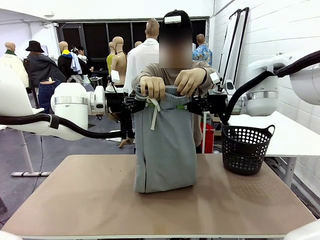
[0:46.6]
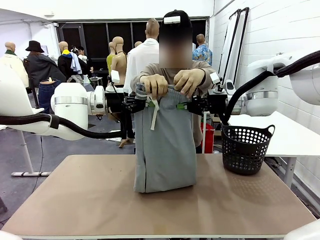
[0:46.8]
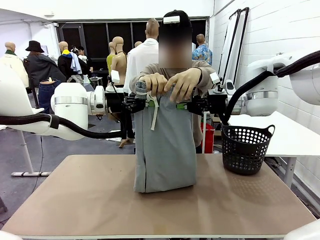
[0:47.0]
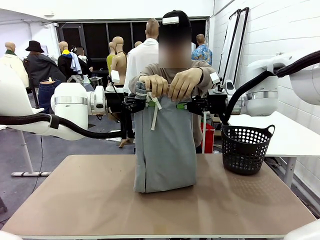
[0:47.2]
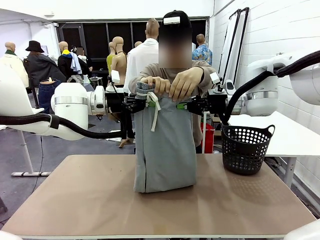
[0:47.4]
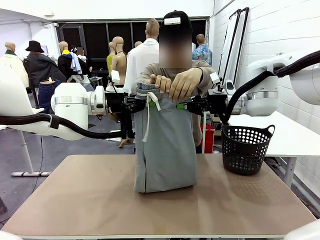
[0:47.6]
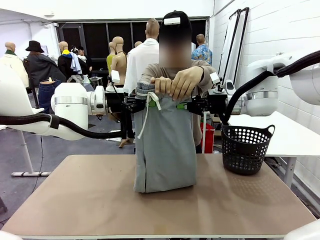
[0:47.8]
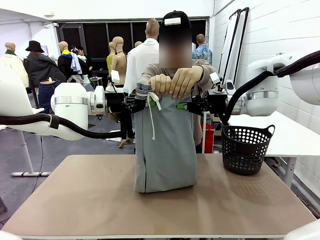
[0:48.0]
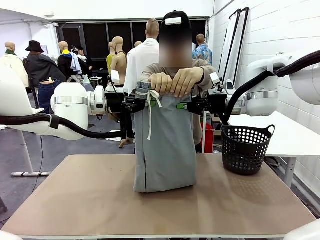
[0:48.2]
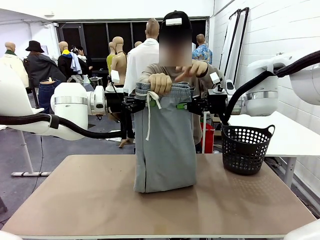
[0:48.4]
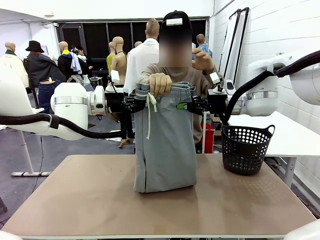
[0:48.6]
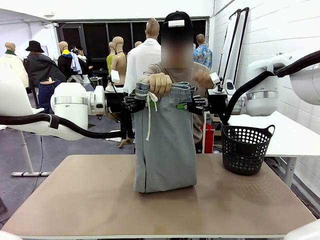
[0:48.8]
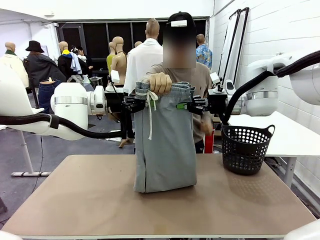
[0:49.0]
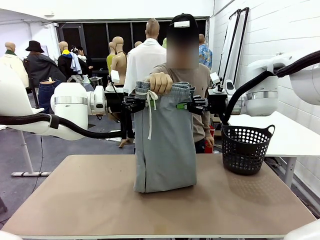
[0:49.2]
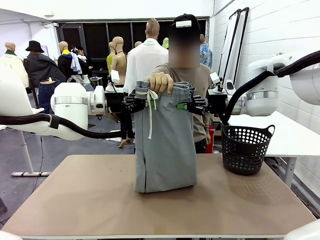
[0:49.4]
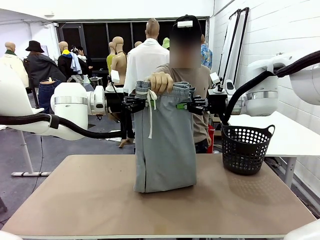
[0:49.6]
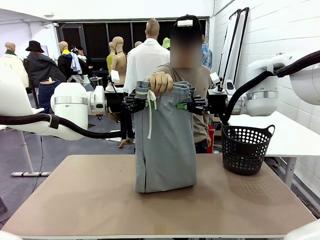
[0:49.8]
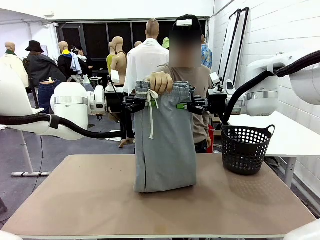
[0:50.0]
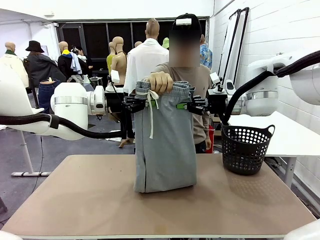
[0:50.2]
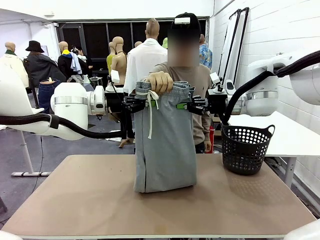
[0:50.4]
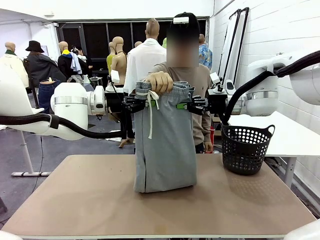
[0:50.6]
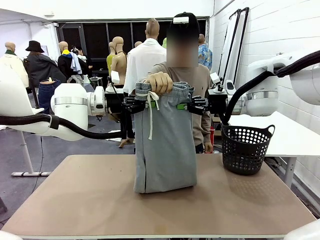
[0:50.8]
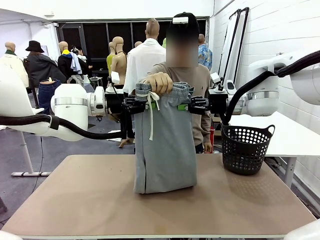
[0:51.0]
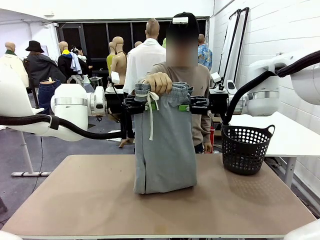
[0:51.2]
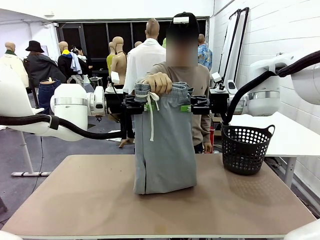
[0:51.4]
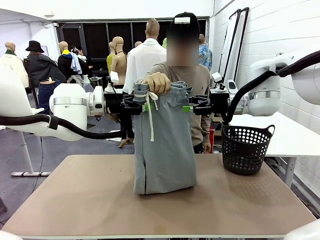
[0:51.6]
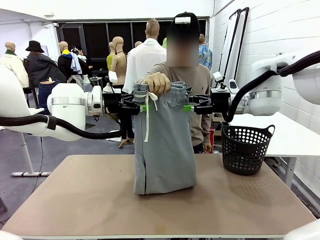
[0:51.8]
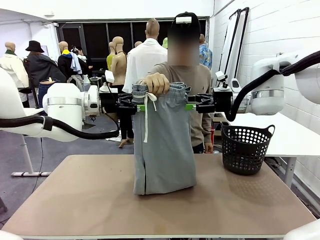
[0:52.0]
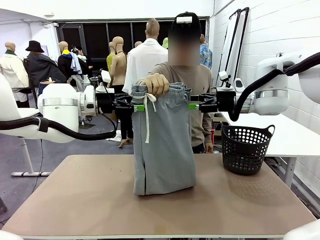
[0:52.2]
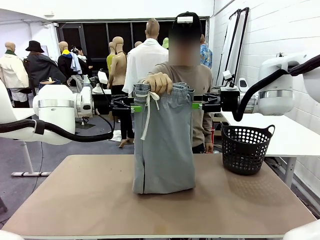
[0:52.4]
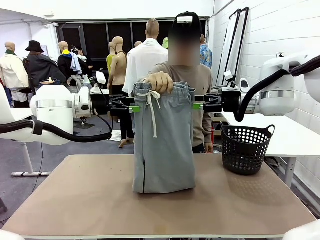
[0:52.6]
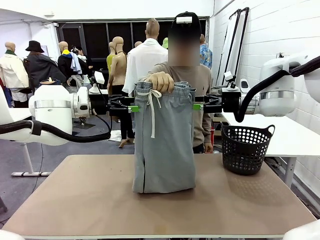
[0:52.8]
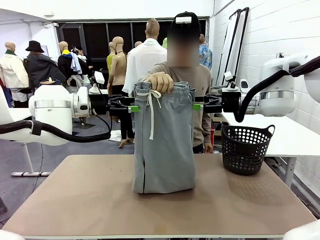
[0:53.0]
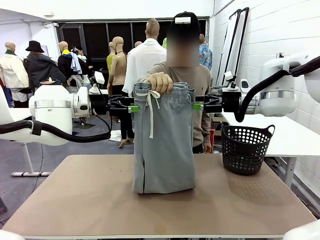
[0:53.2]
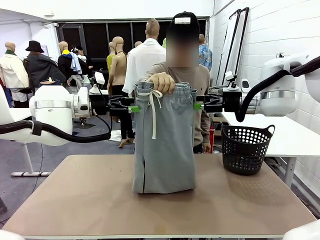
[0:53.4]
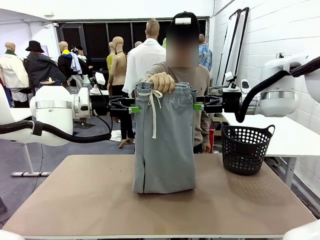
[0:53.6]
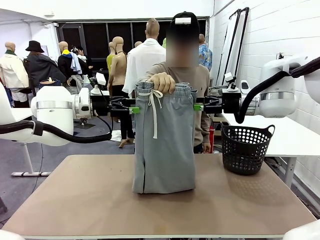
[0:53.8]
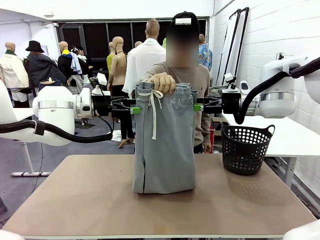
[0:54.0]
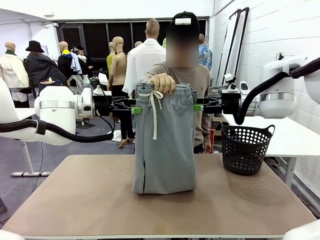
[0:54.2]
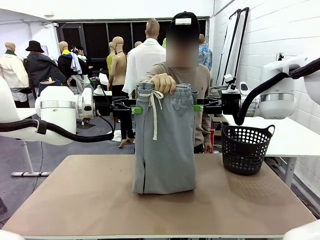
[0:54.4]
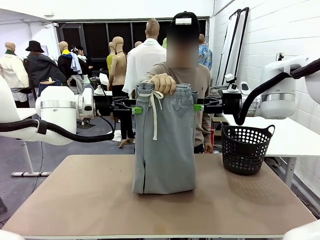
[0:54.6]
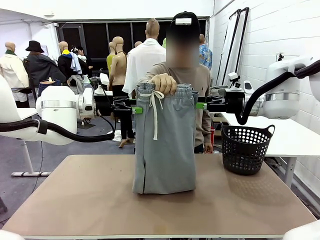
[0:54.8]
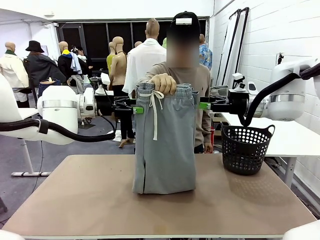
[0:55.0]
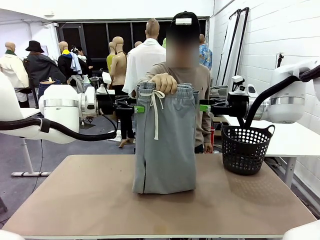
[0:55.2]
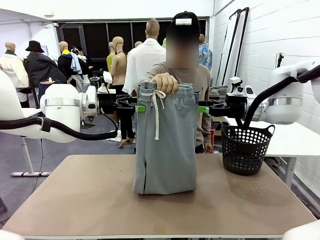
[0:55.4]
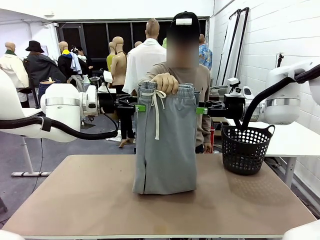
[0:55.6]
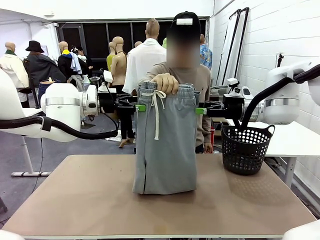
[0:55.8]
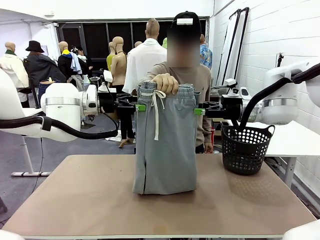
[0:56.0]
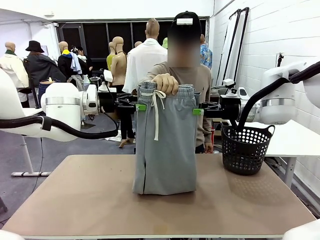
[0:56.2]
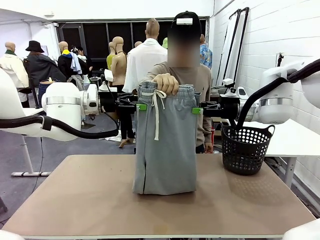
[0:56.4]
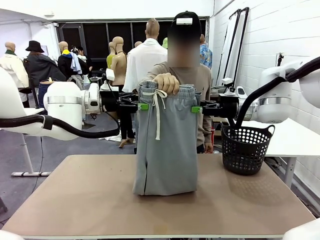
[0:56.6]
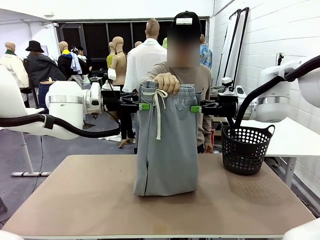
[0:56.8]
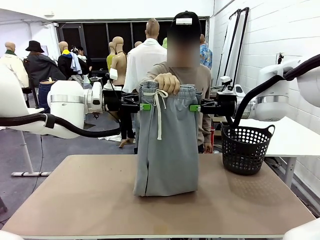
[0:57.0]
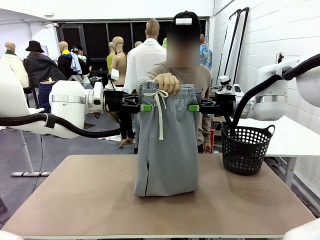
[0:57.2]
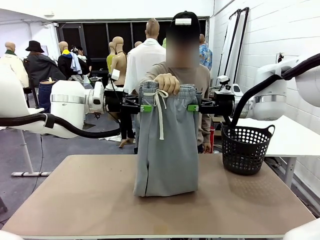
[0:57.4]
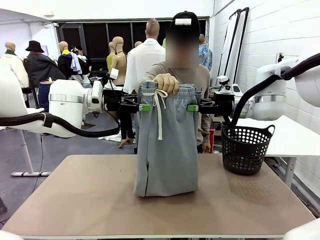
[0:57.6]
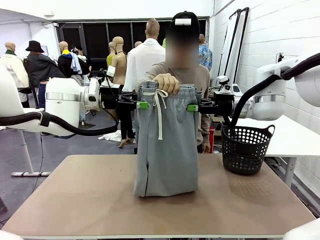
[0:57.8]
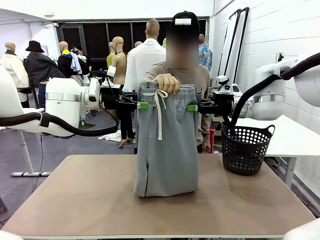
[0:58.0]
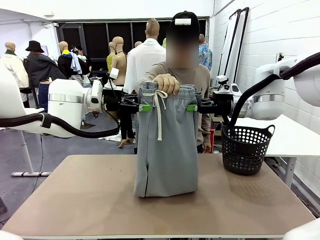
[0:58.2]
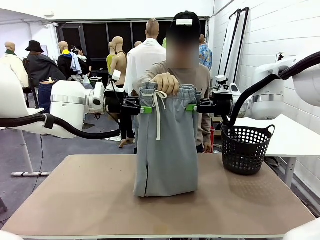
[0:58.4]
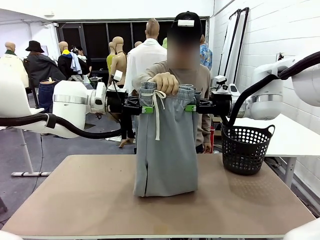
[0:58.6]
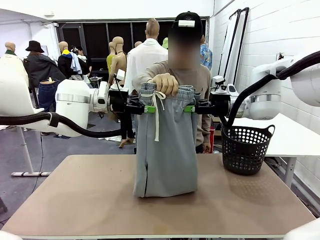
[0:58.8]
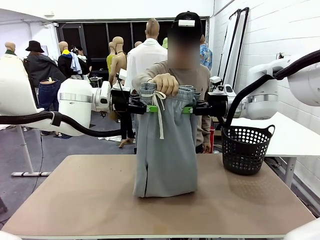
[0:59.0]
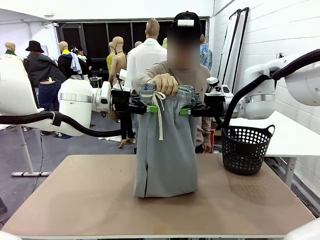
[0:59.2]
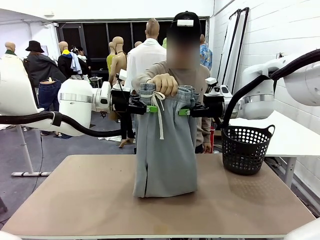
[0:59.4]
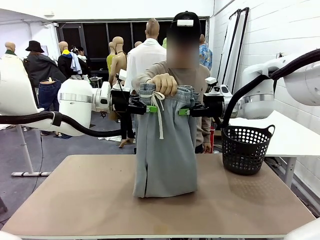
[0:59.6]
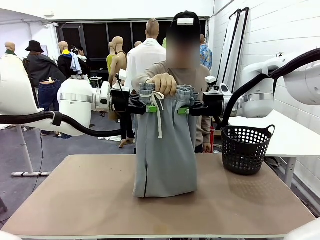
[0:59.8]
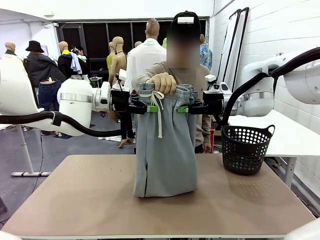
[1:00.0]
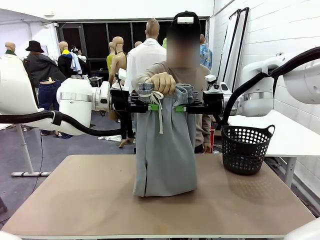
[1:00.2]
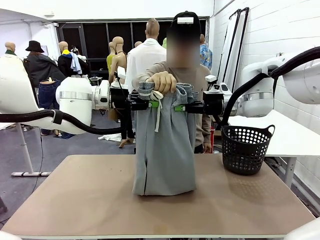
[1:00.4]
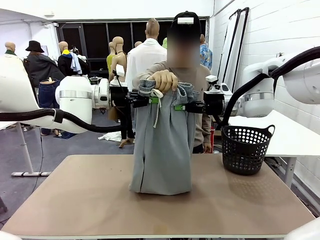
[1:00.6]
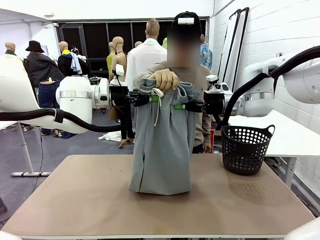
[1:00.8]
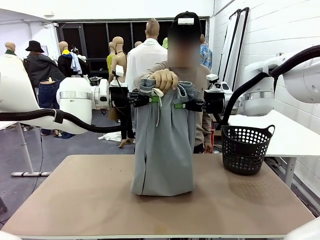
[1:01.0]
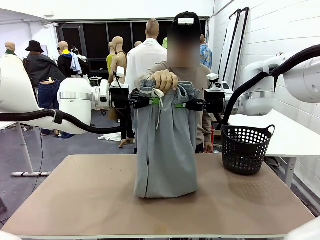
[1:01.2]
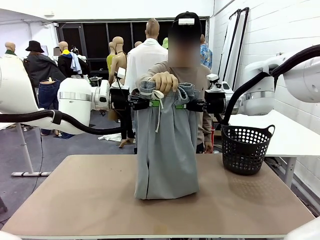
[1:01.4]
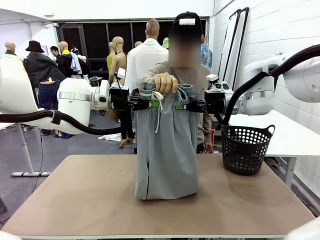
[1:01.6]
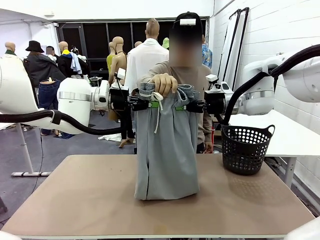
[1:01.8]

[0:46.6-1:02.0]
Task: Fold the training pants.
Robot: Release the ends of the Training pants and then grab the overlapped ends.
Person: Release the pants you were holding.

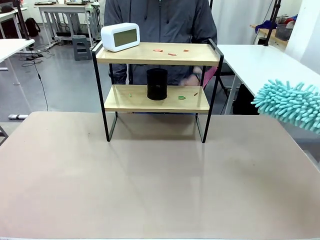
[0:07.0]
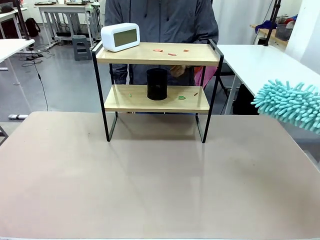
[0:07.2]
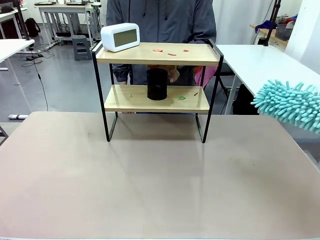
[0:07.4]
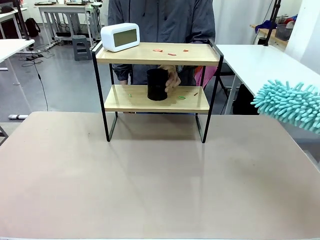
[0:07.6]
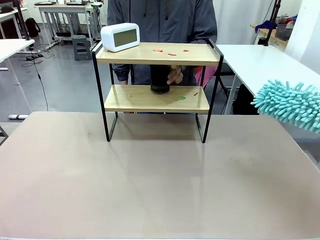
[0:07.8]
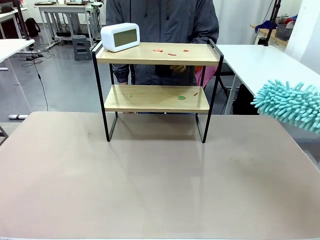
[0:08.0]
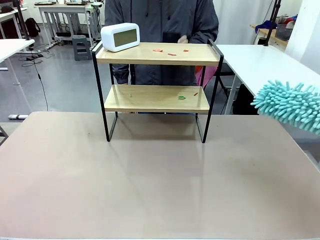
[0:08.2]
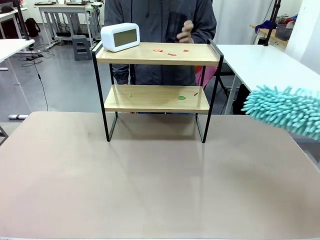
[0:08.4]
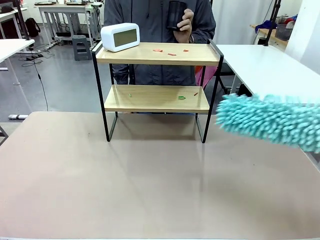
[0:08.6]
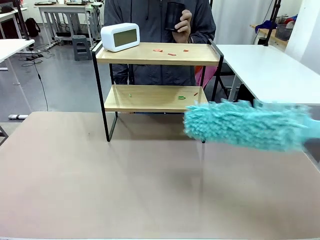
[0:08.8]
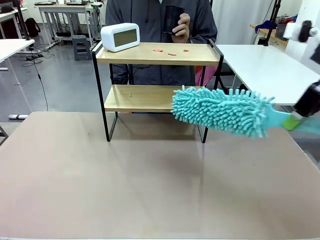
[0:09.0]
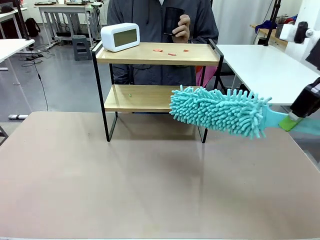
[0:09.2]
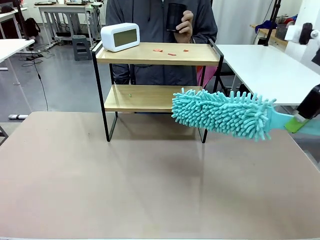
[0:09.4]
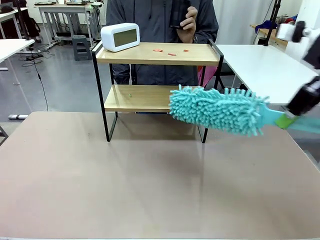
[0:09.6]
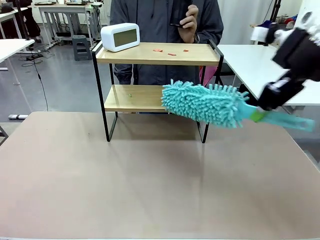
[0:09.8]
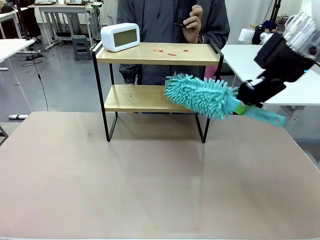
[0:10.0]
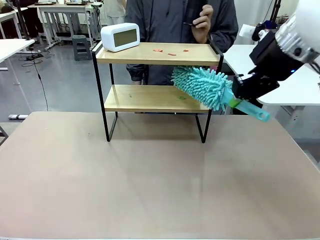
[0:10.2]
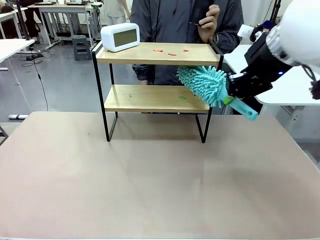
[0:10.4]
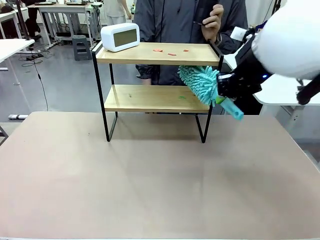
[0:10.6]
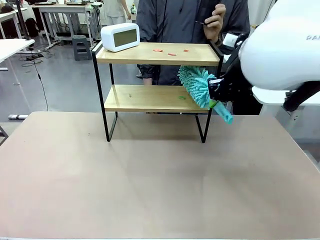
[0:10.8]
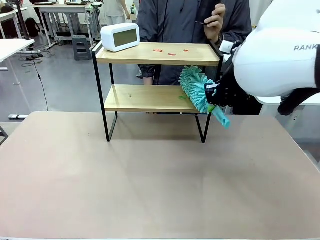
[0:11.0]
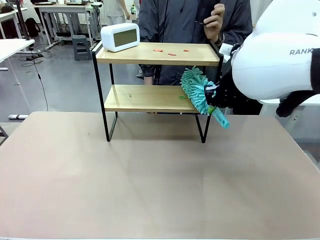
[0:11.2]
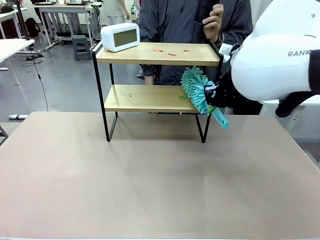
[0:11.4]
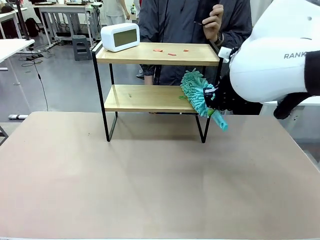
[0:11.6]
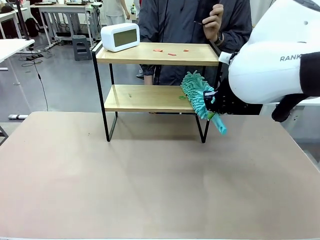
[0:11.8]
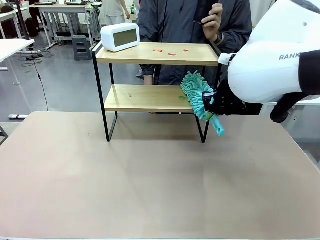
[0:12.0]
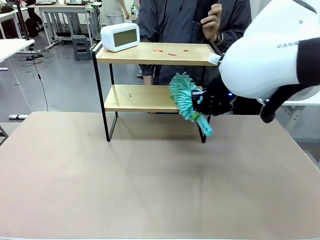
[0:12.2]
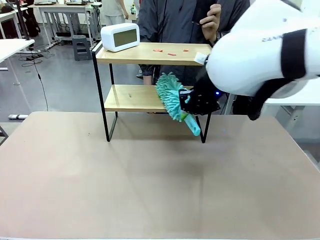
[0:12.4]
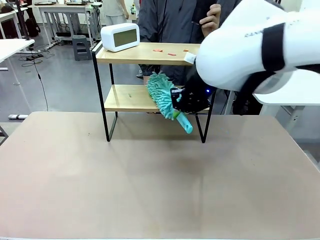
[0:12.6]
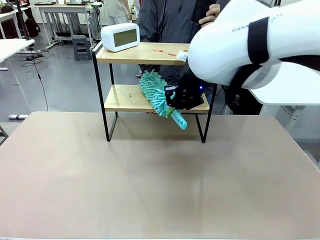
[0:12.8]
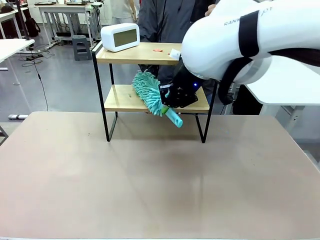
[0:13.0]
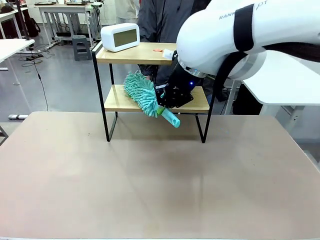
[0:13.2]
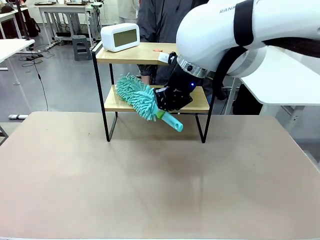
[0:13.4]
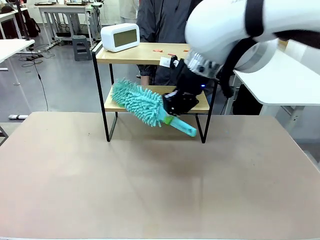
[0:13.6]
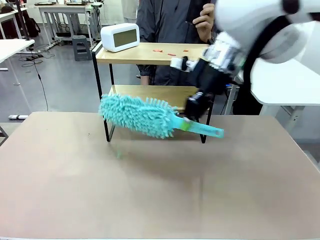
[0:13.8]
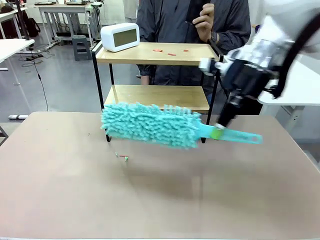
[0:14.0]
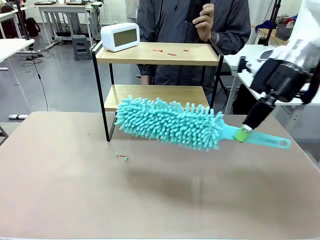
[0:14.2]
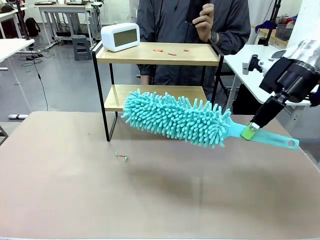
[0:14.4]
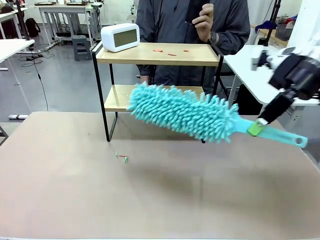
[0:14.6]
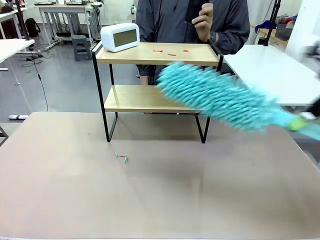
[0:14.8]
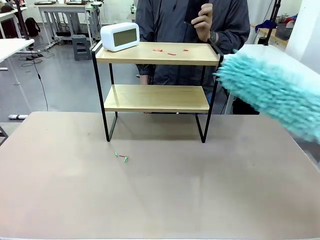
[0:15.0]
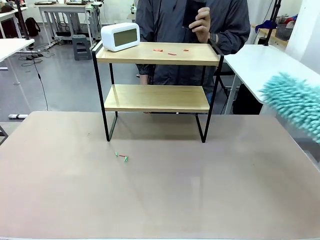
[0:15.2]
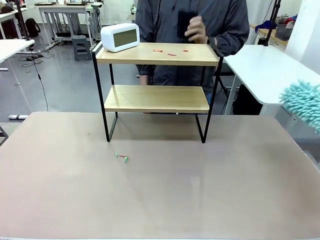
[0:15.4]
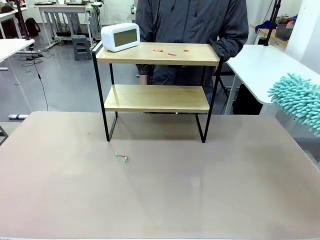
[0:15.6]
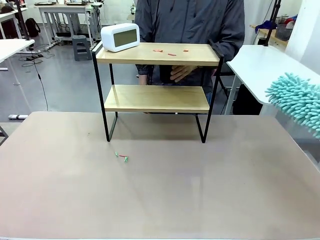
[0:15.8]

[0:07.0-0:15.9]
Task: Clean the shelf.
Robot: Clean the specific tier of the Shelf with the Duster once objects are removed.
Person: Lift the objects on a randomly selected tier of the Shelf. Once the robot finishes cleaning, lift the objects on the remaining tiers of the Shelf.
